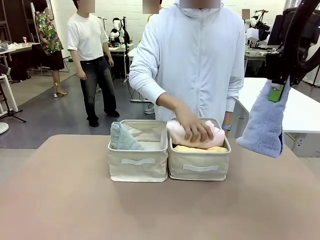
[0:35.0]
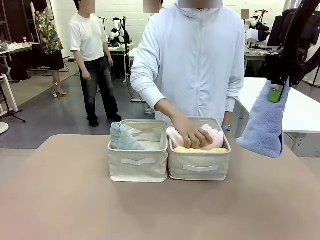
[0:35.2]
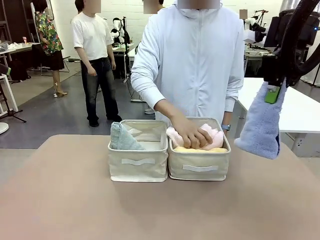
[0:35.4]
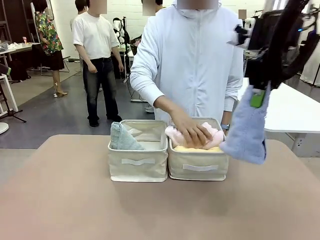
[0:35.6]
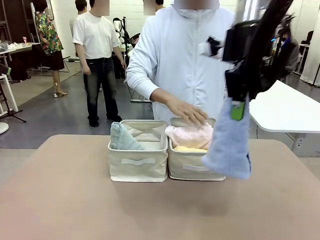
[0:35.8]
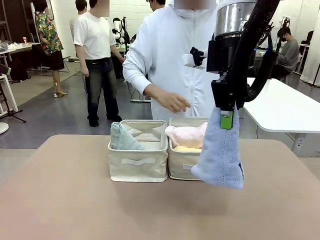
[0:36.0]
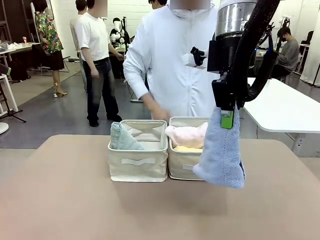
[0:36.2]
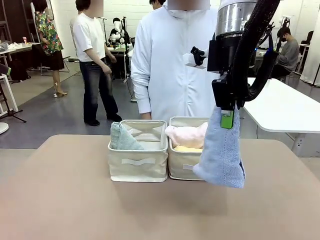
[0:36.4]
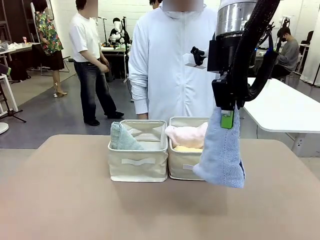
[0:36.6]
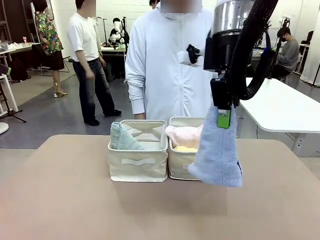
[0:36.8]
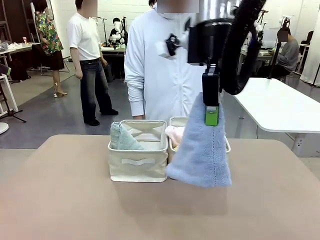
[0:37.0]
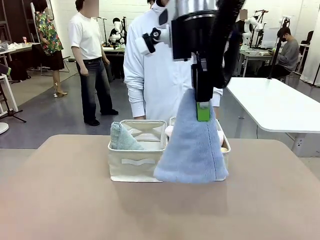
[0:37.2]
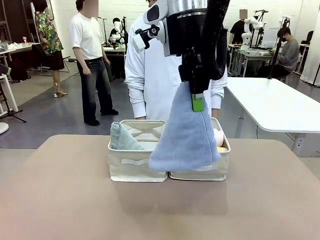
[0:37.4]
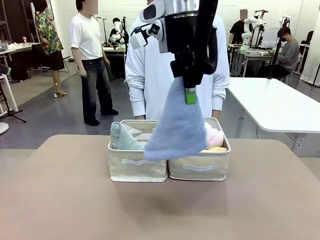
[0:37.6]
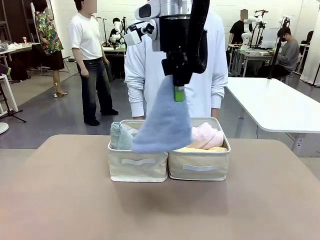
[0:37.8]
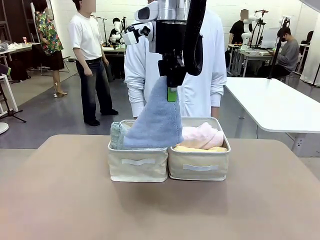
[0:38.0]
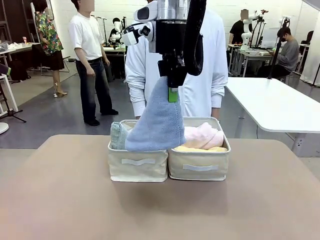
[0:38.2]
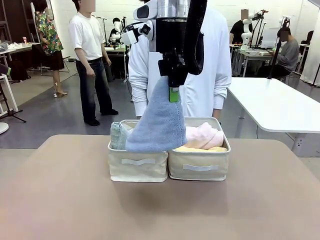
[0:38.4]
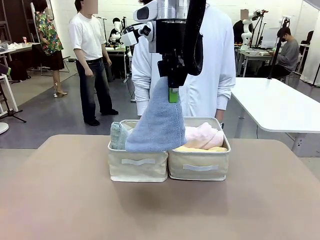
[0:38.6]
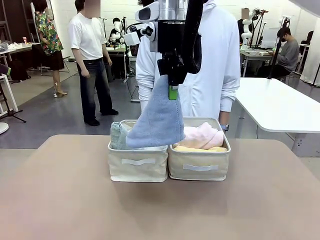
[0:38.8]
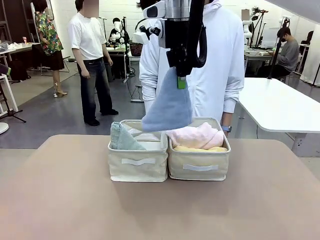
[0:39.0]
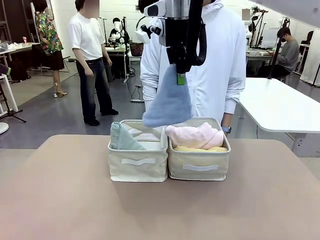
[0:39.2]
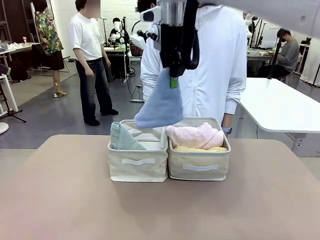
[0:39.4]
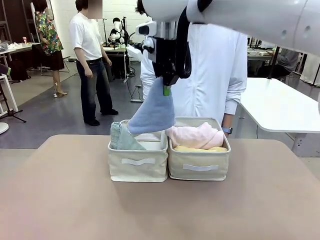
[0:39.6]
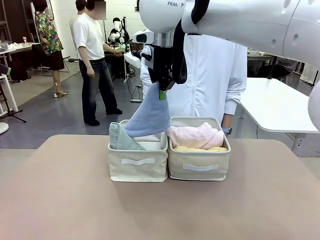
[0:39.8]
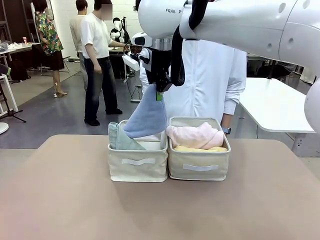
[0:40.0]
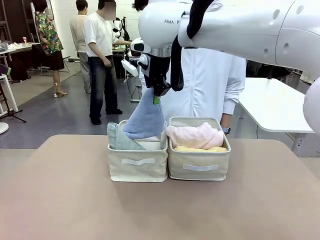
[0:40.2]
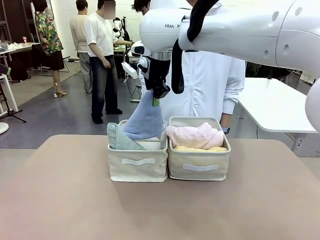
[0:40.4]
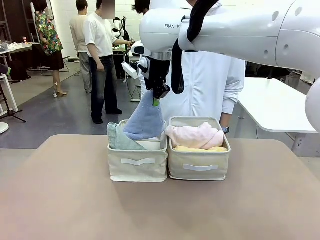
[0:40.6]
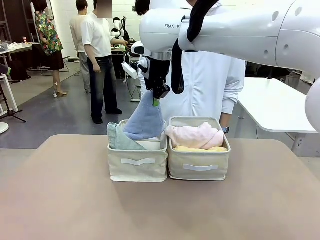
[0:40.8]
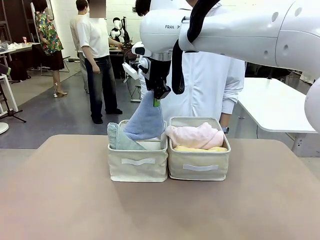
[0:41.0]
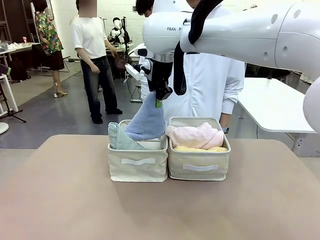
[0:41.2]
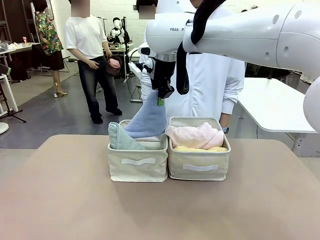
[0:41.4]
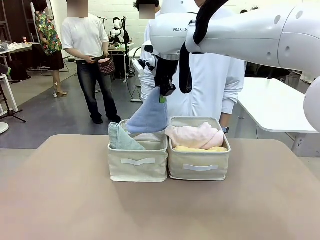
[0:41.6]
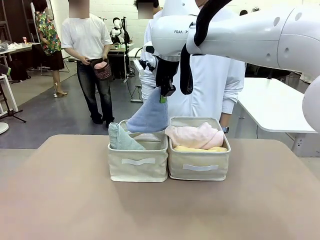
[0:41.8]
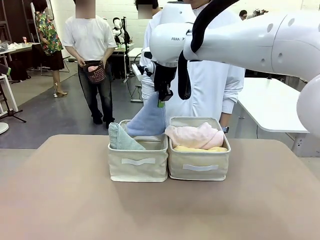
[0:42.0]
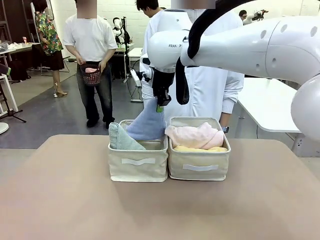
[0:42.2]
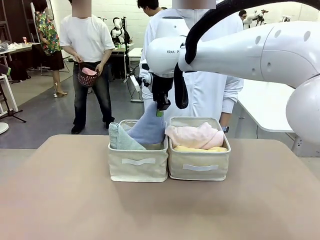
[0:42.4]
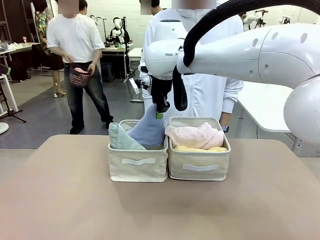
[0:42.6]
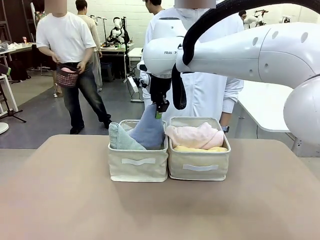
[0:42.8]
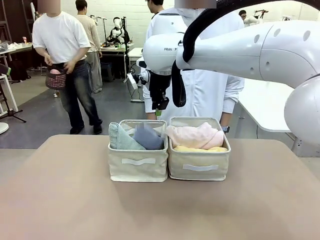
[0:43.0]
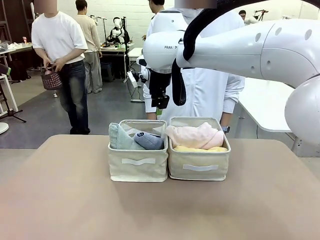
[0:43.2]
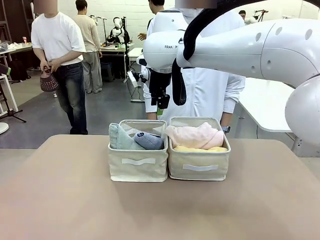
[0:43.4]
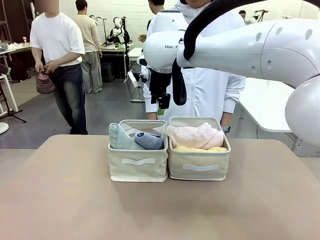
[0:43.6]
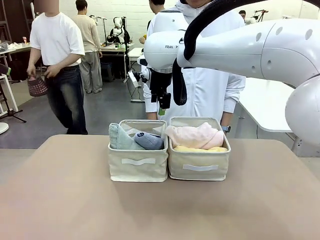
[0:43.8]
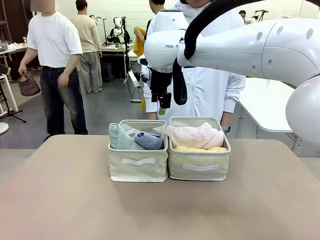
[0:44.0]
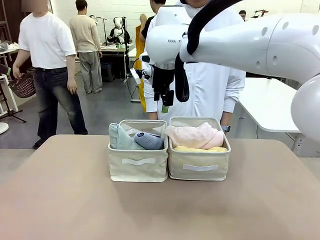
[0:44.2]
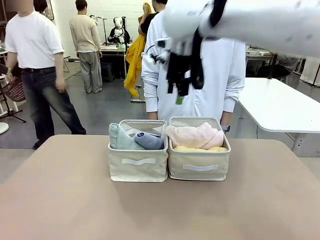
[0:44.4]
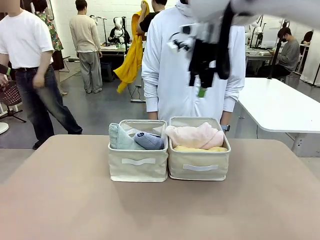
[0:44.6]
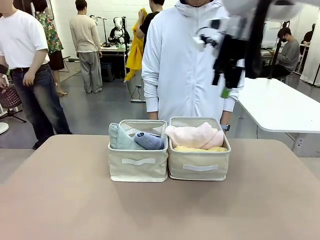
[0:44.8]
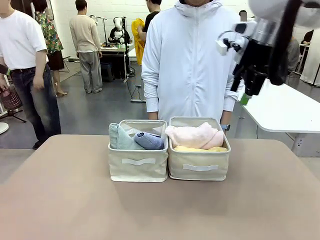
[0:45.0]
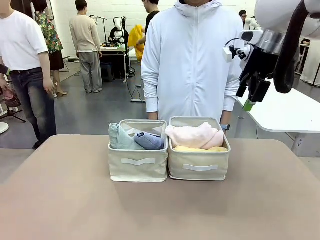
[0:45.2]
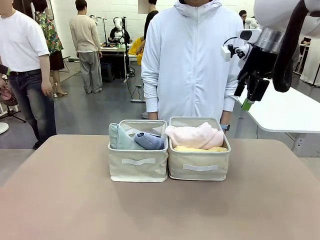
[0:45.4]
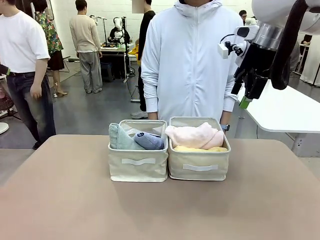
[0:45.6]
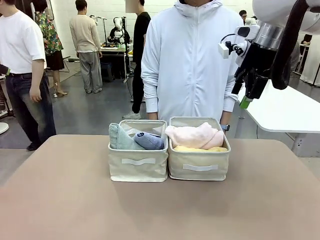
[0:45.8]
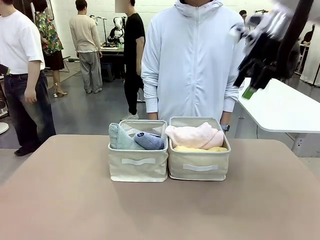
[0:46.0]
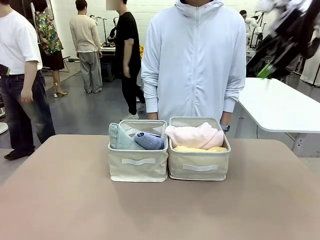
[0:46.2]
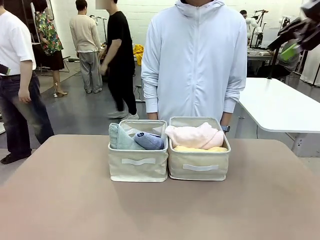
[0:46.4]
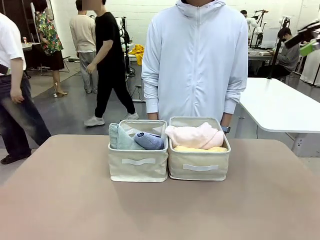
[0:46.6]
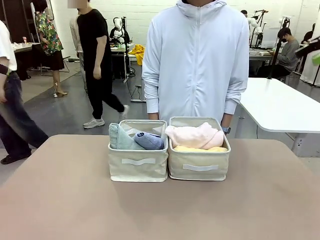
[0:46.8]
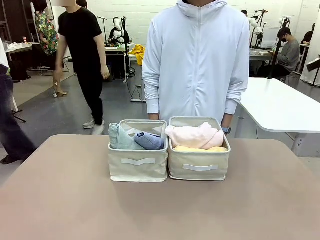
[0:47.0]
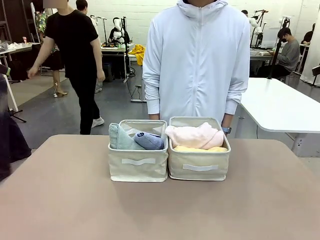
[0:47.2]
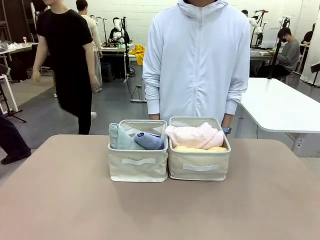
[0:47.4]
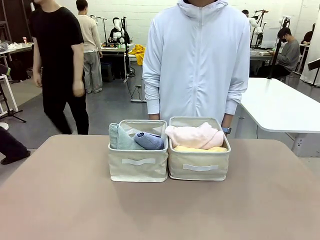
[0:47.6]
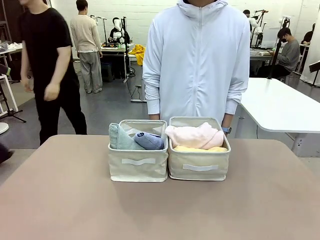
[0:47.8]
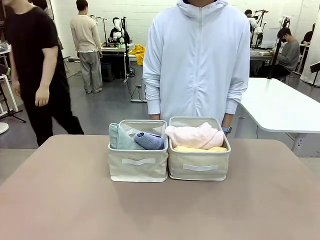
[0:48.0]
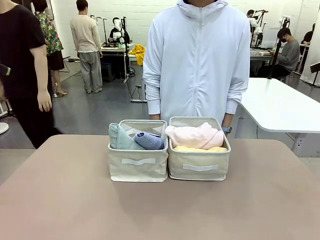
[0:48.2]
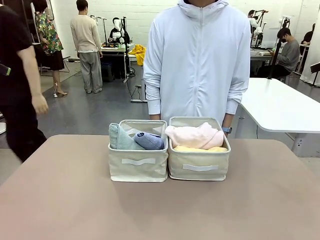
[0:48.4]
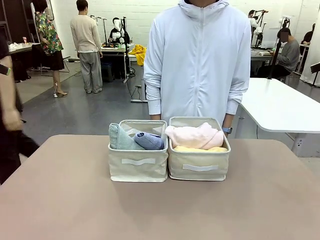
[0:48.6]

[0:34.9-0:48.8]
Task: Sort the towels based on their folding style.
Robot: Pick up another triangle-folded towel from the table and place it in the left Fabric basket.

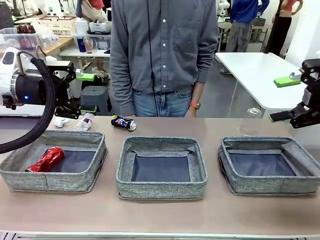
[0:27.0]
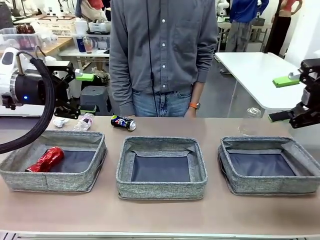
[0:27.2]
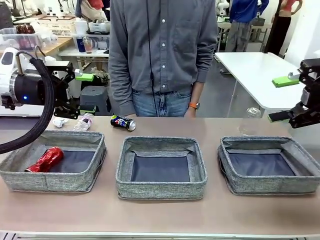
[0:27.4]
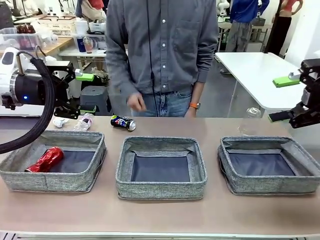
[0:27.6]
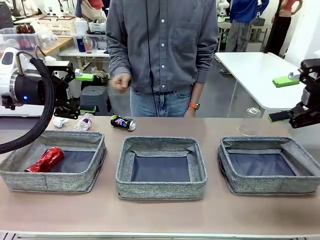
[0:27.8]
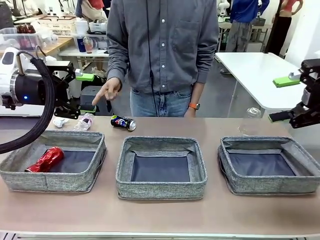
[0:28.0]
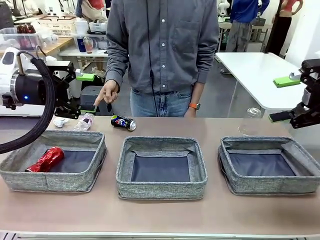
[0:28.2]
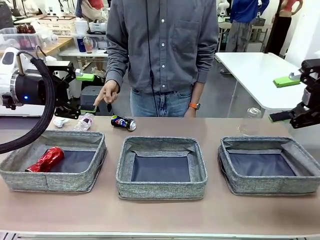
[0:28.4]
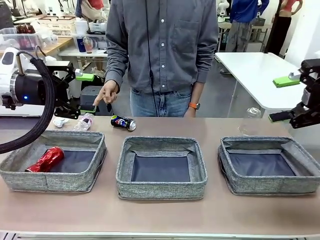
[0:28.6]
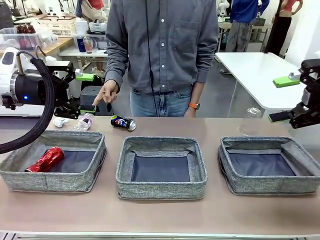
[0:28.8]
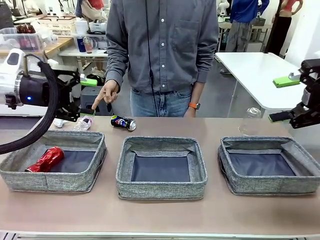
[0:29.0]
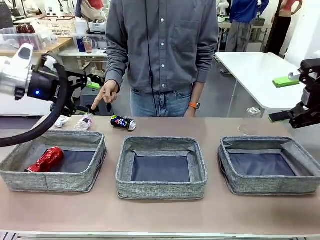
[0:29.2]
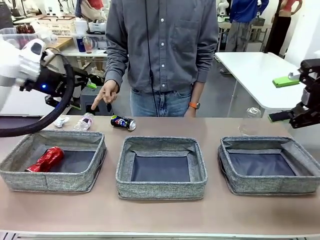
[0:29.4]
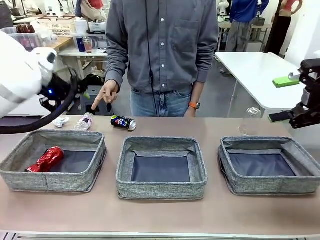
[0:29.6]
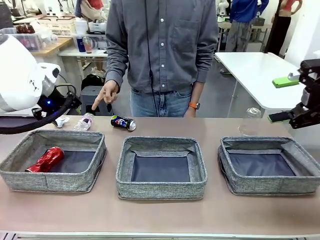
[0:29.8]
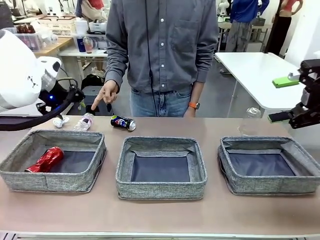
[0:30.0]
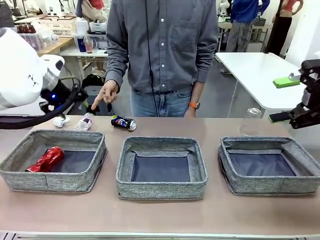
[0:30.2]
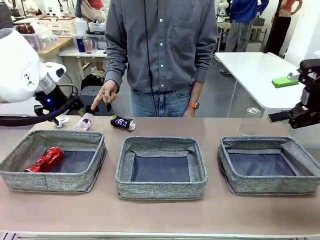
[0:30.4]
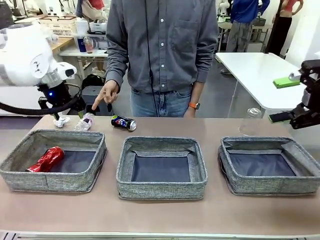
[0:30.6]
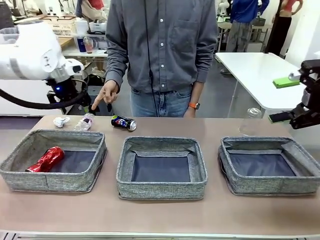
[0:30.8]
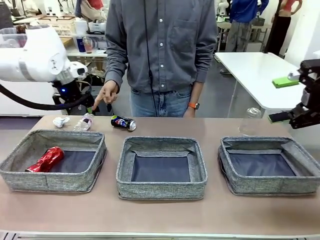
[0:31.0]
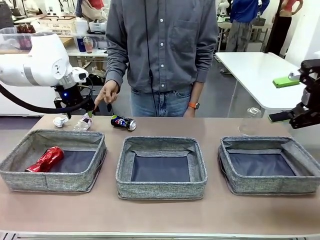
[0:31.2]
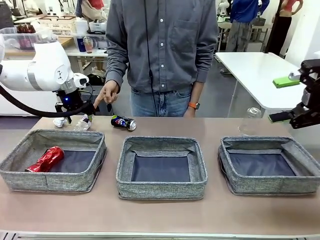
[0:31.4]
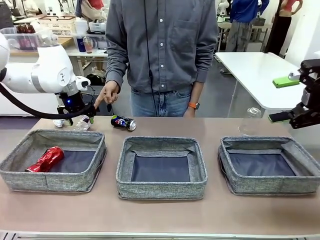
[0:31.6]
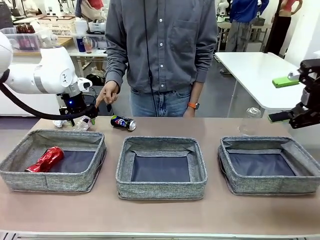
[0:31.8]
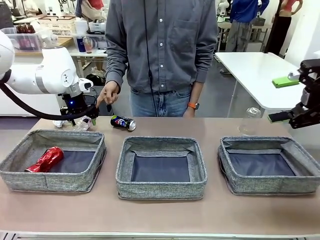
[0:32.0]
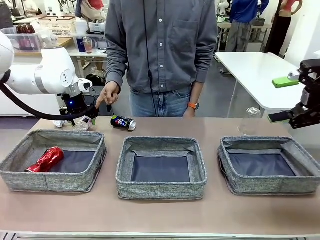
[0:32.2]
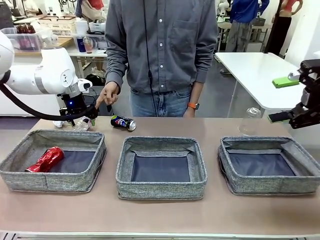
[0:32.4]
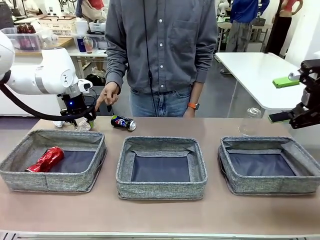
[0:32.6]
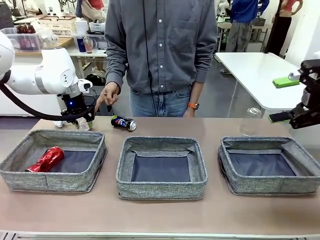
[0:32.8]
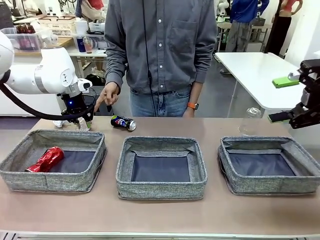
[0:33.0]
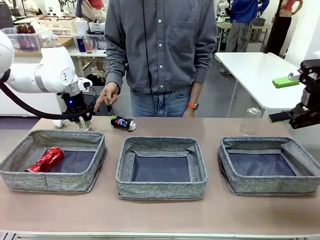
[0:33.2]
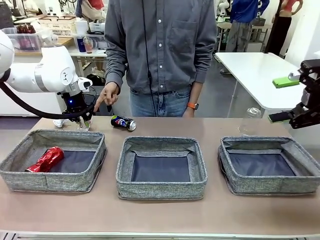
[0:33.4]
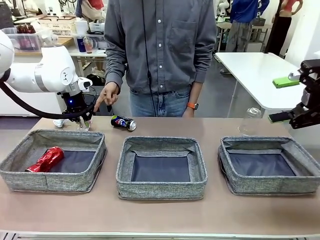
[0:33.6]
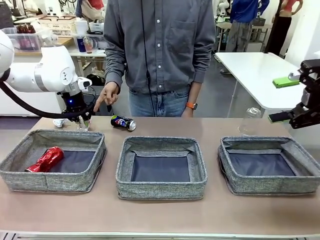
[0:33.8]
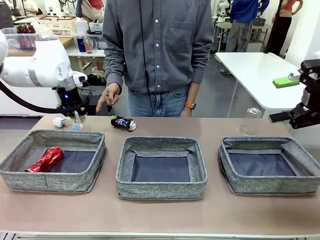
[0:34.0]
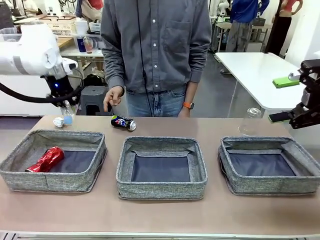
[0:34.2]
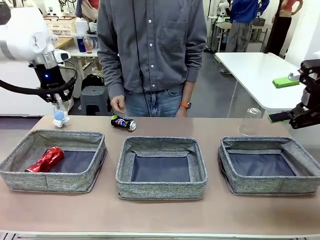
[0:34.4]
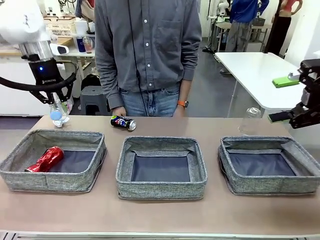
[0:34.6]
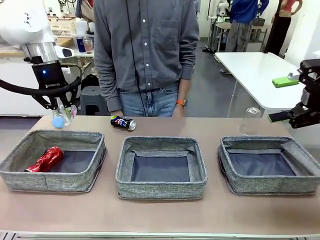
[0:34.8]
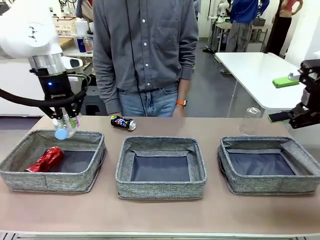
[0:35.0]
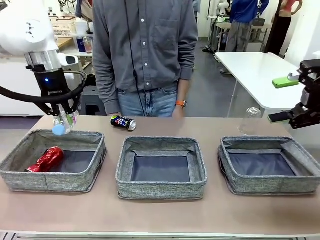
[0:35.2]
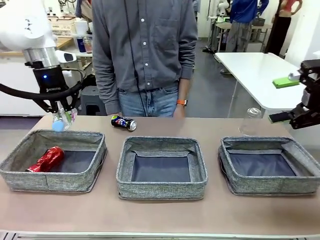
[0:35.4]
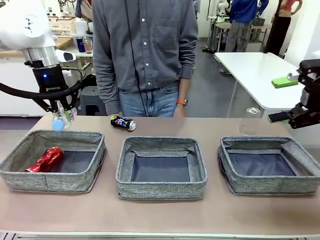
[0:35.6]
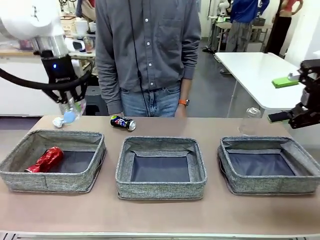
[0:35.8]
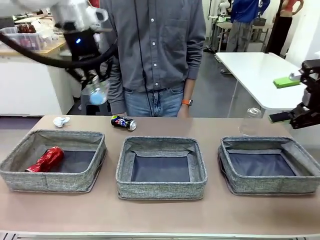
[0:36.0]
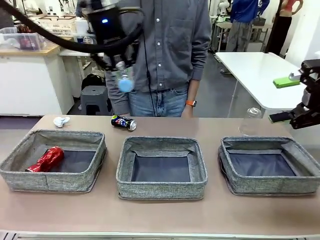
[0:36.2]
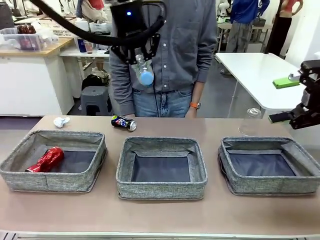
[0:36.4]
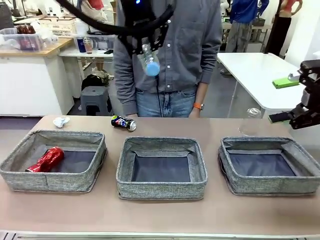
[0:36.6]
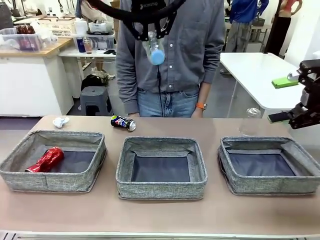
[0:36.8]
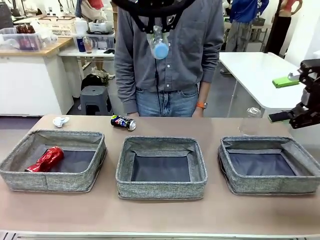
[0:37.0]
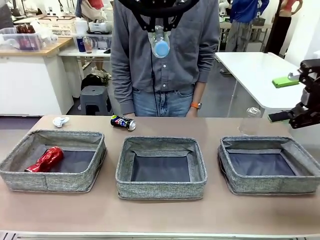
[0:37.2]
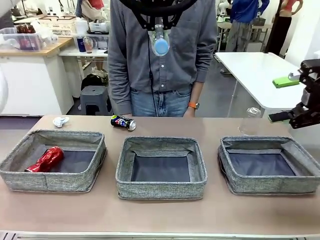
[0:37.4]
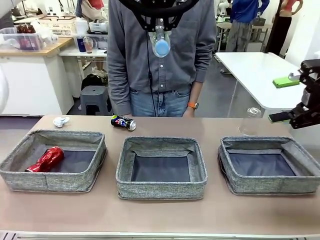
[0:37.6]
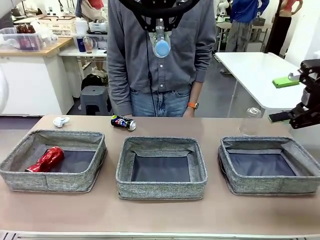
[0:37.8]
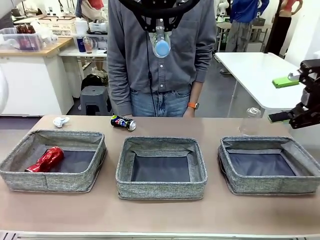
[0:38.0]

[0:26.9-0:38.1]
Task: Sort the waste into the appropriate baskets.
Robot: Pick up the waste item pointed out by the person.
Person: Points to one piece of trash on the table.
